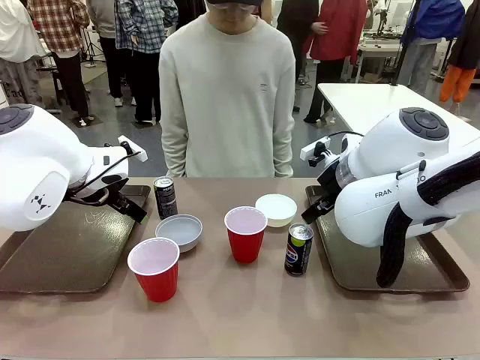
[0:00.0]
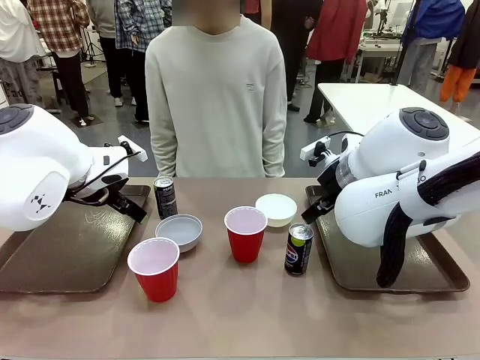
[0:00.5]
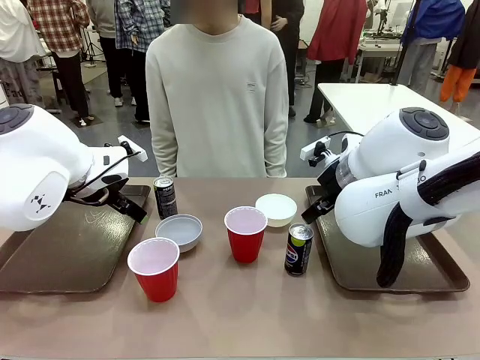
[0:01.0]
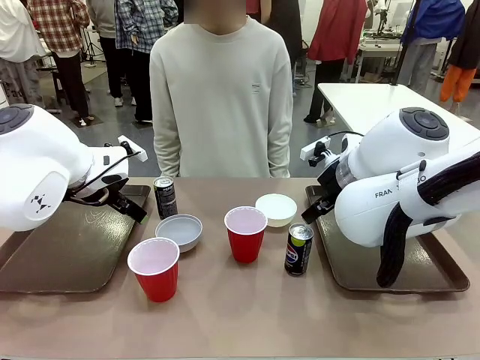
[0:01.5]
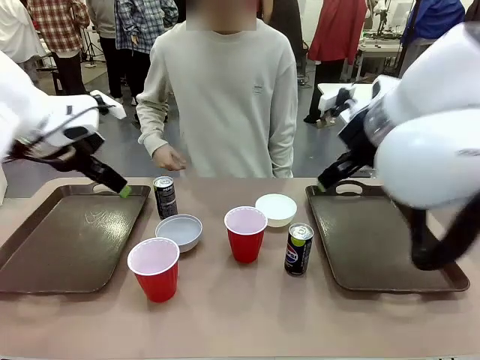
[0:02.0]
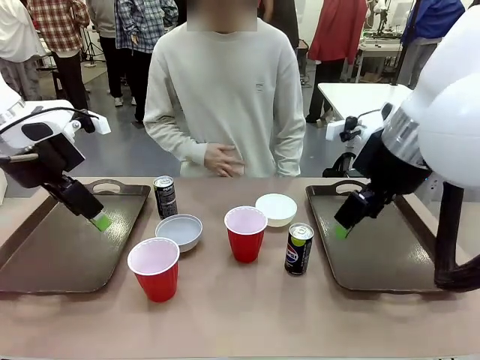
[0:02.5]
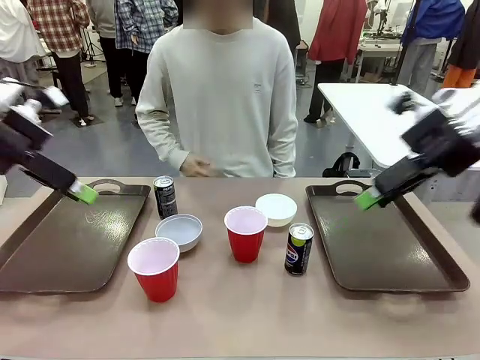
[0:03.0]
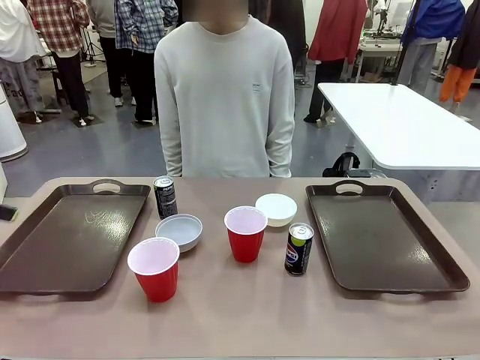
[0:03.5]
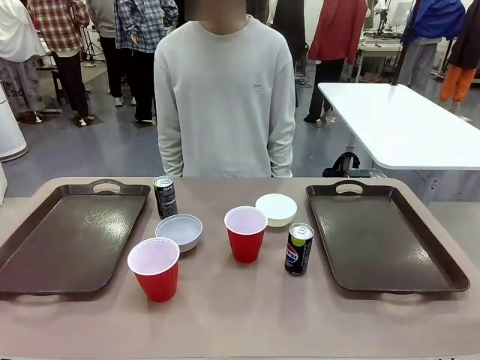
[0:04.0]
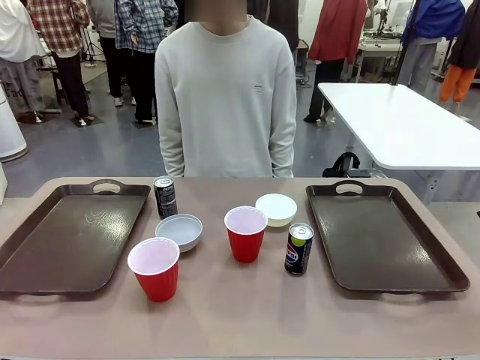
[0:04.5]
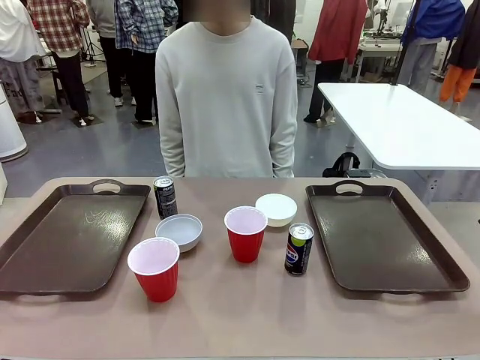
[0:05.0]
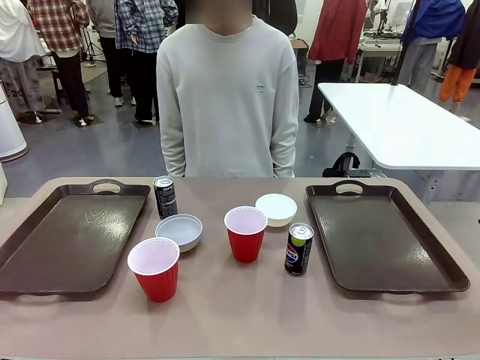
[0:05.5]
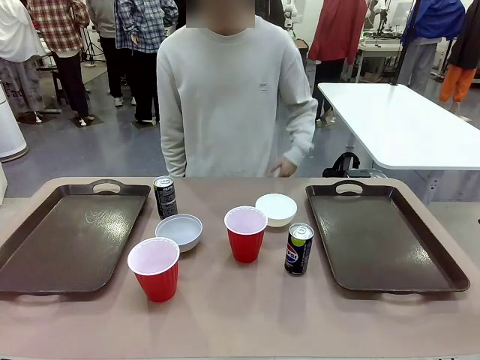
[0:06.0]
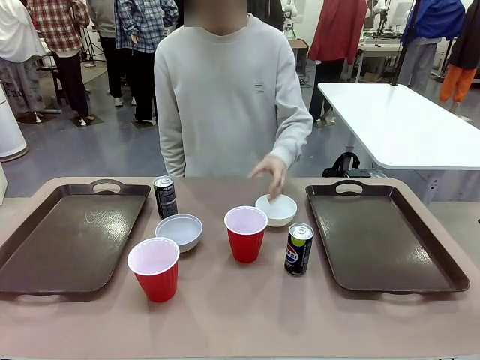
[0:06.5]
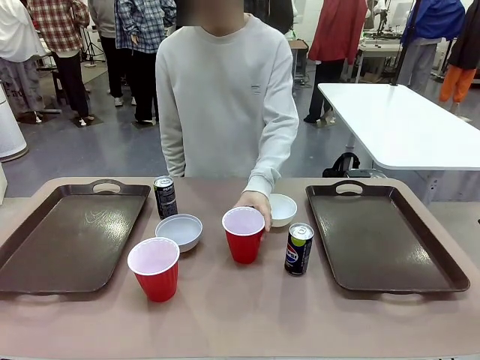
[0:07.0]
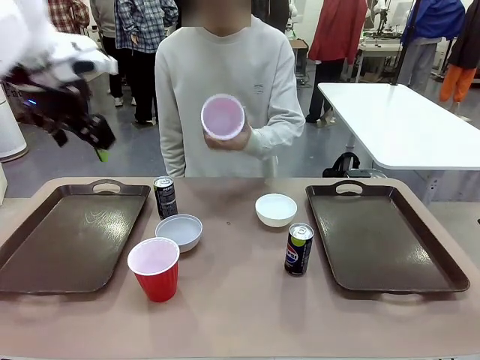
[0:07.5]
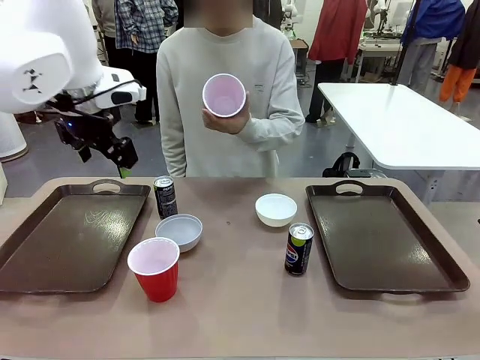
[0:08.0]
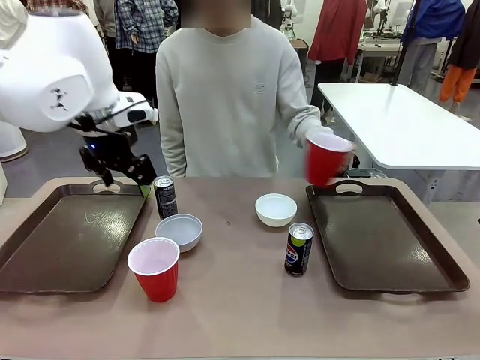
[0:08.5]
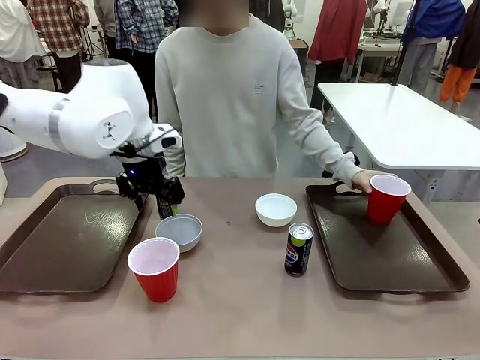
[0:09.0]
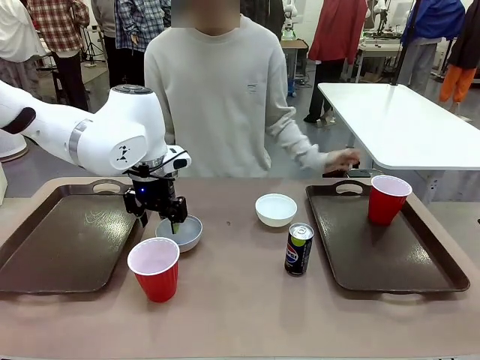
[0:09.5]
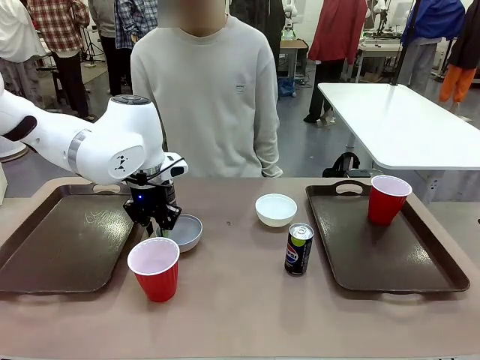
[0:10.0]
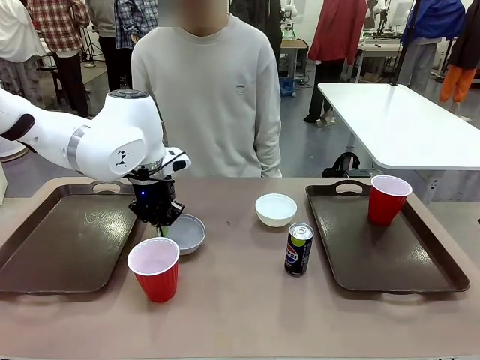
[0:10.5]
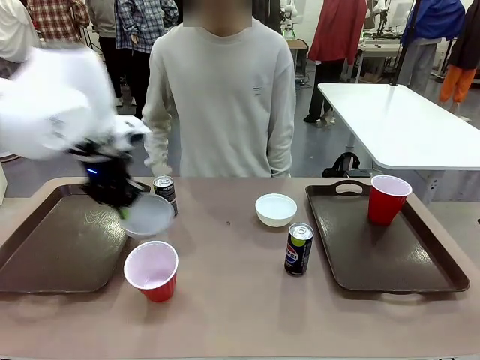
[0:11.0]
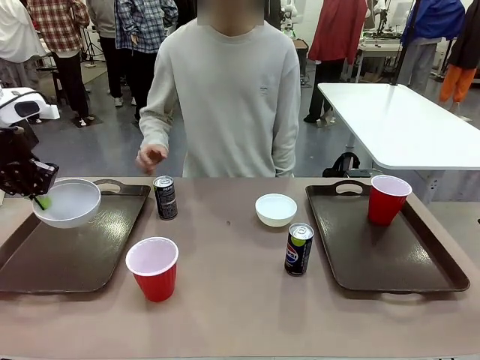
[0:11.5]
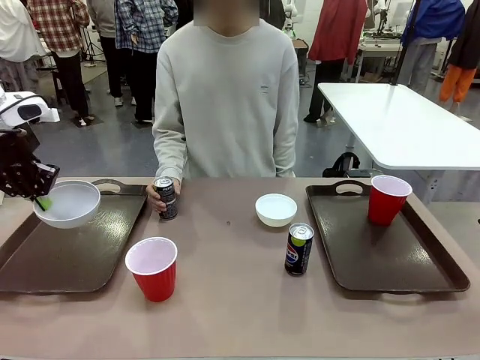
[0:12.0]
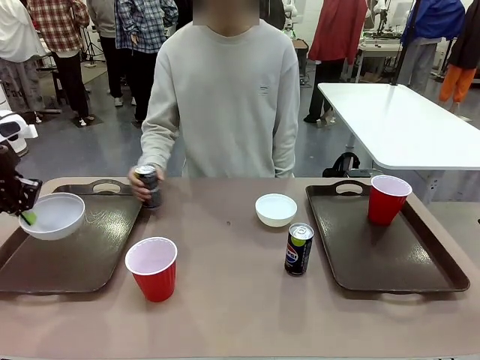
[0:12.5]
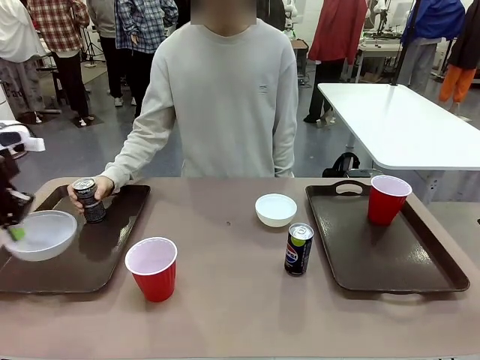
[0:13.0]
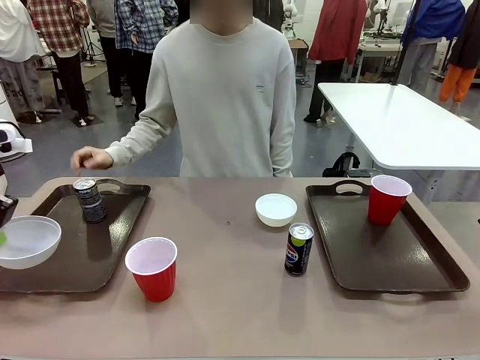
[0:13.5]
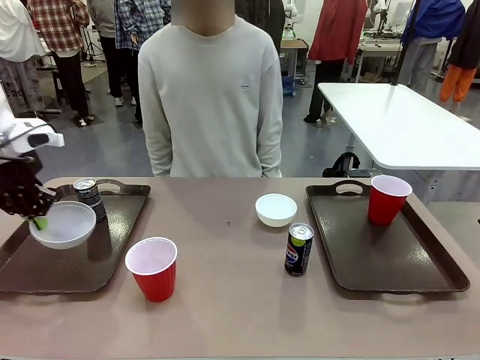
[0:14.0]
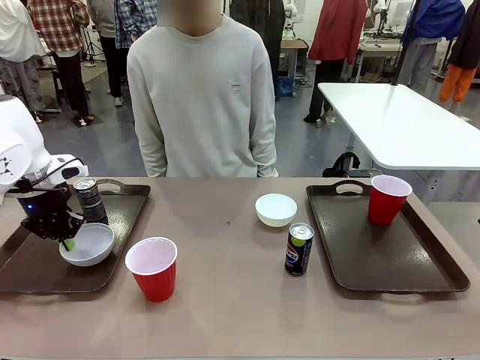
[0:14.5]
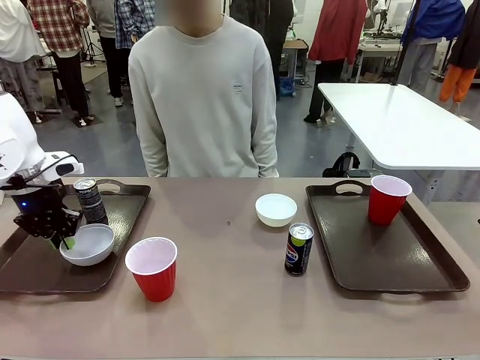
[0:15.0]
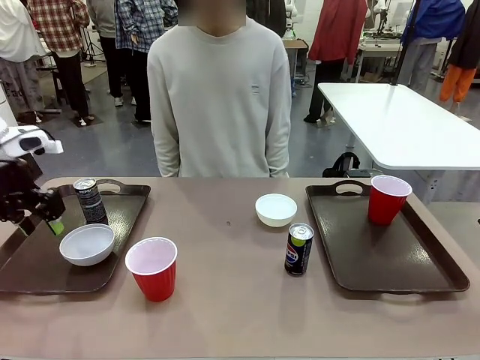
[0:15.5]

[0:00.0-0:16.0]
Task: Prepare tableware on both trays.
Robot: Pick up a Picnic Bowl from the table and place it on a Handle tray.
Person: Pick up a can or cup and place it on the tray.
